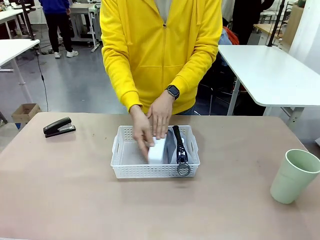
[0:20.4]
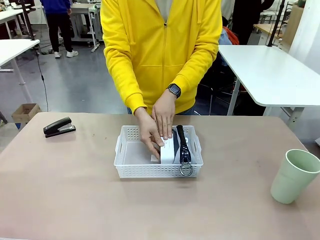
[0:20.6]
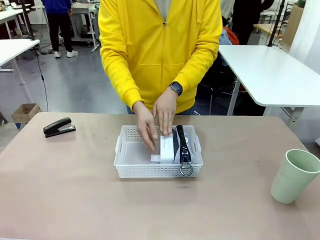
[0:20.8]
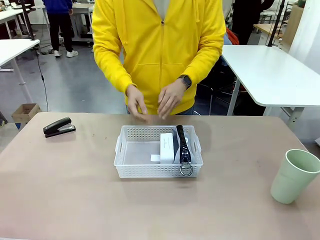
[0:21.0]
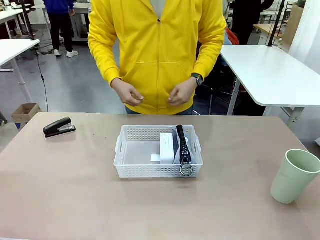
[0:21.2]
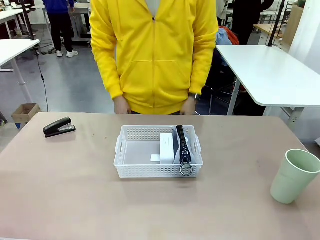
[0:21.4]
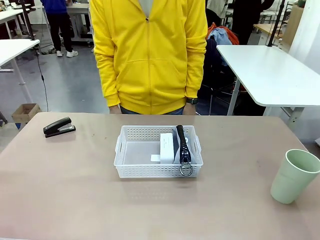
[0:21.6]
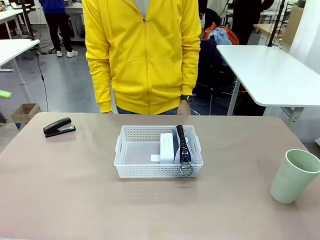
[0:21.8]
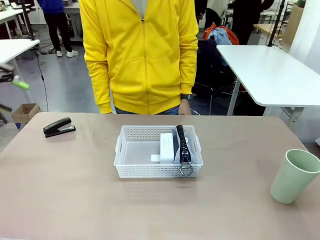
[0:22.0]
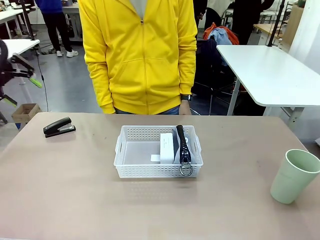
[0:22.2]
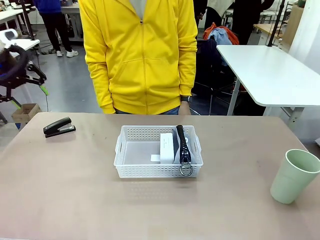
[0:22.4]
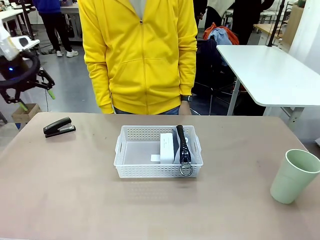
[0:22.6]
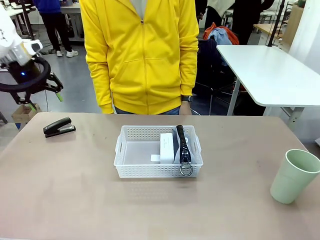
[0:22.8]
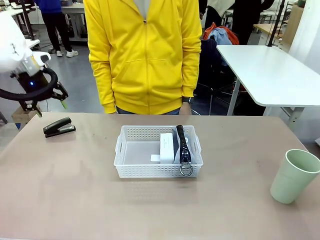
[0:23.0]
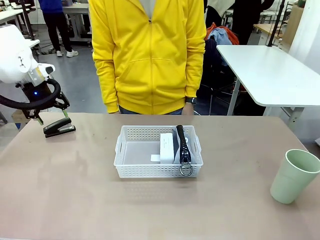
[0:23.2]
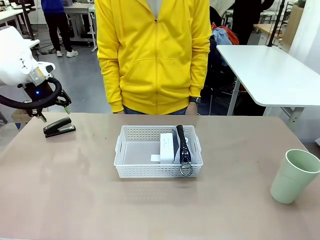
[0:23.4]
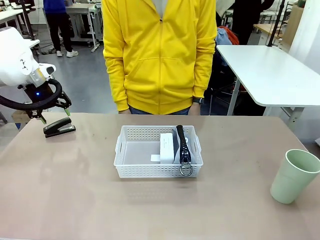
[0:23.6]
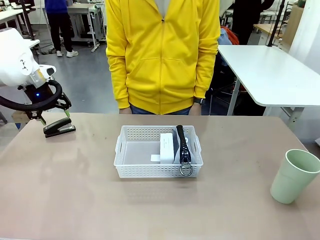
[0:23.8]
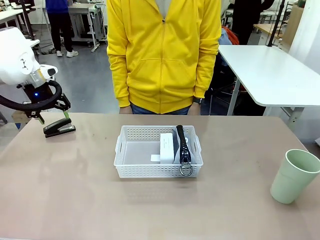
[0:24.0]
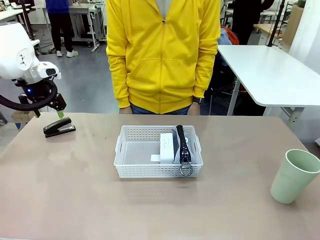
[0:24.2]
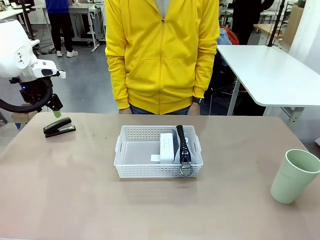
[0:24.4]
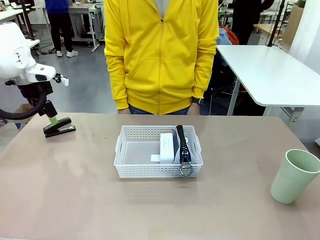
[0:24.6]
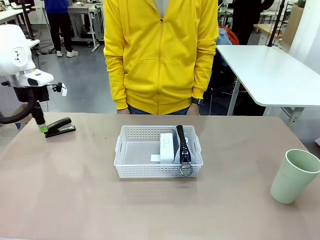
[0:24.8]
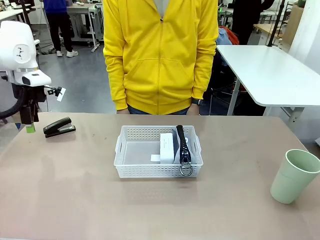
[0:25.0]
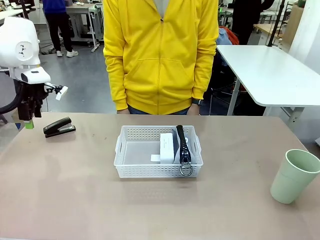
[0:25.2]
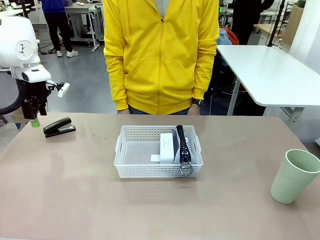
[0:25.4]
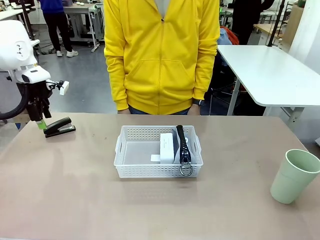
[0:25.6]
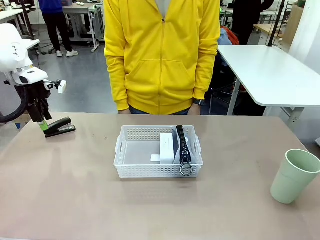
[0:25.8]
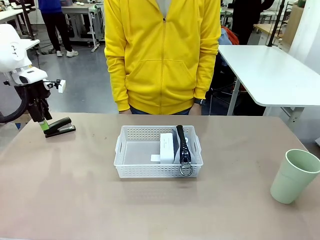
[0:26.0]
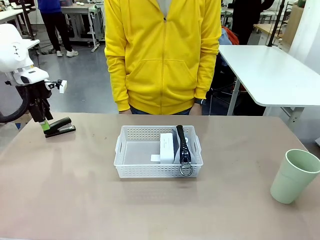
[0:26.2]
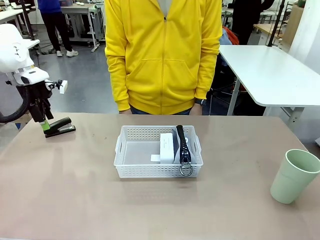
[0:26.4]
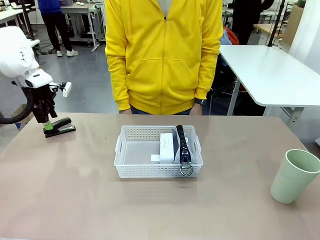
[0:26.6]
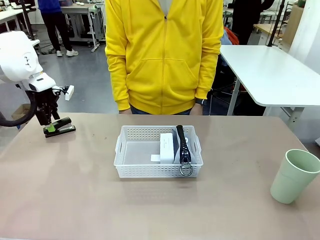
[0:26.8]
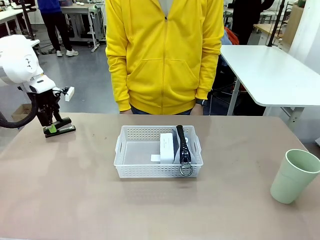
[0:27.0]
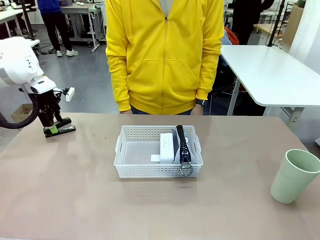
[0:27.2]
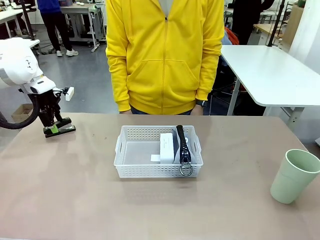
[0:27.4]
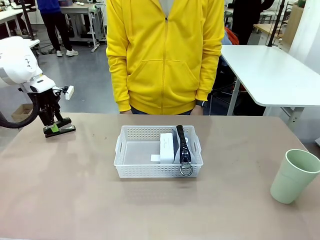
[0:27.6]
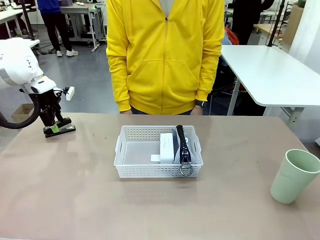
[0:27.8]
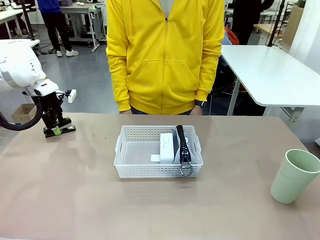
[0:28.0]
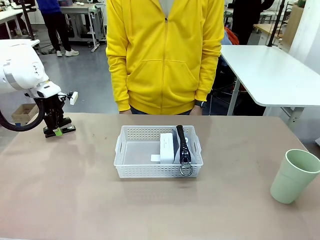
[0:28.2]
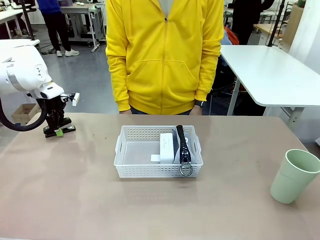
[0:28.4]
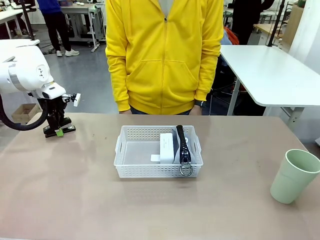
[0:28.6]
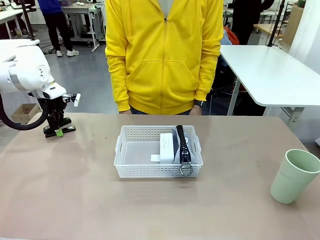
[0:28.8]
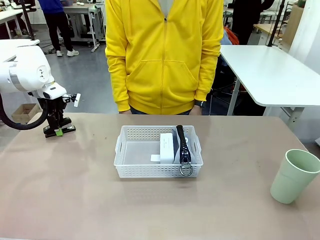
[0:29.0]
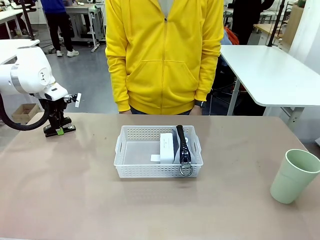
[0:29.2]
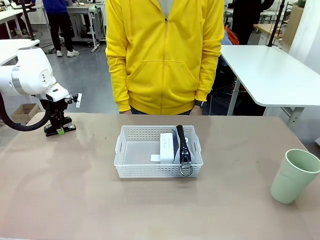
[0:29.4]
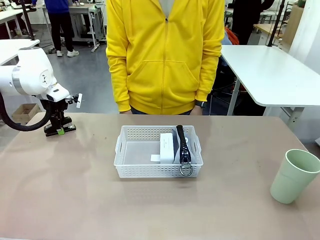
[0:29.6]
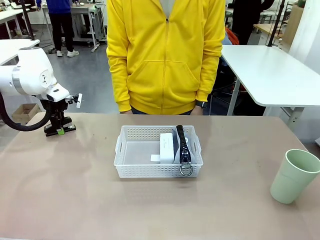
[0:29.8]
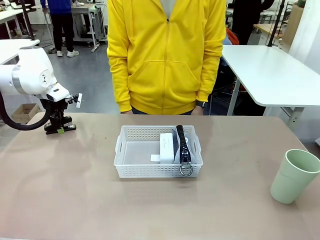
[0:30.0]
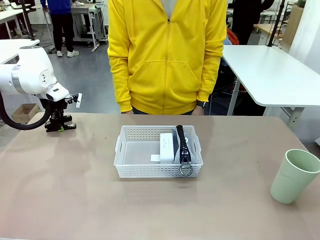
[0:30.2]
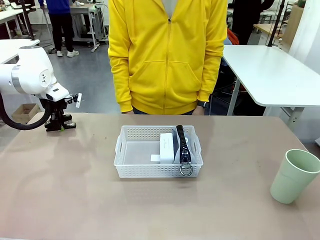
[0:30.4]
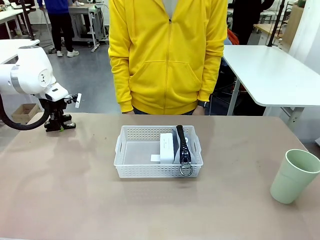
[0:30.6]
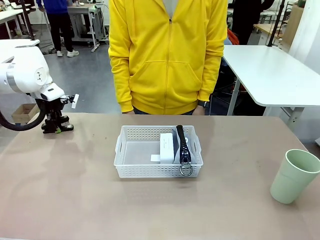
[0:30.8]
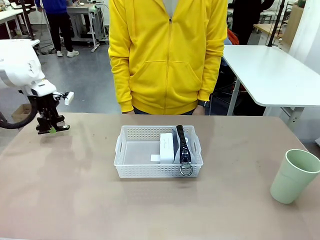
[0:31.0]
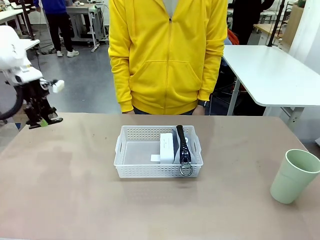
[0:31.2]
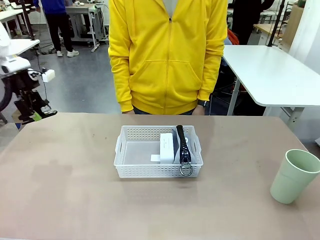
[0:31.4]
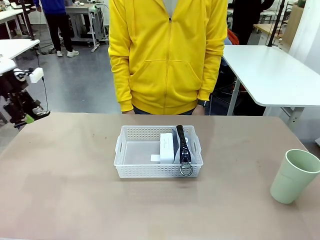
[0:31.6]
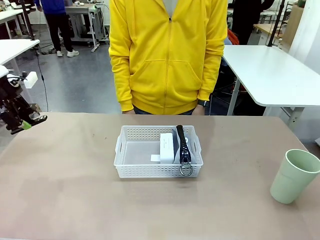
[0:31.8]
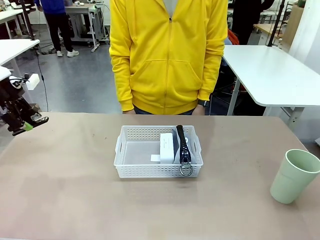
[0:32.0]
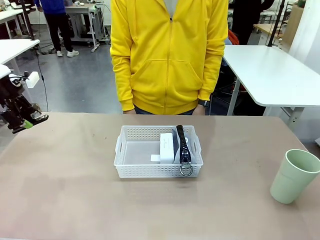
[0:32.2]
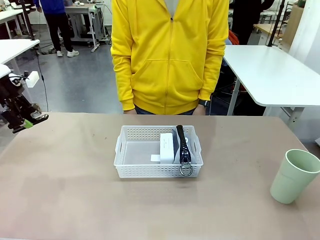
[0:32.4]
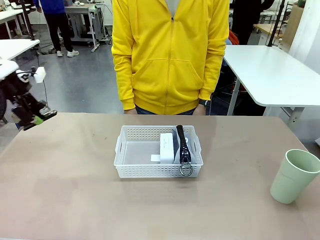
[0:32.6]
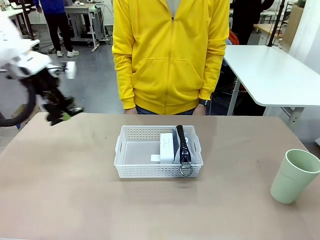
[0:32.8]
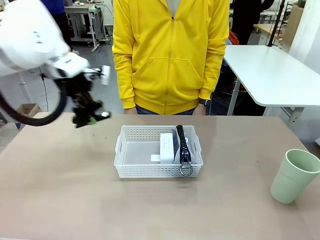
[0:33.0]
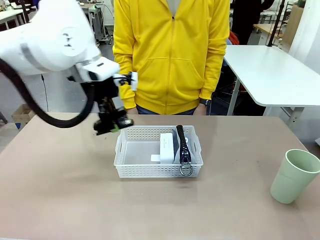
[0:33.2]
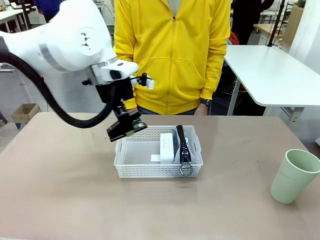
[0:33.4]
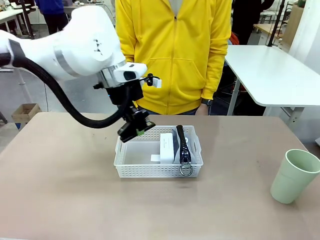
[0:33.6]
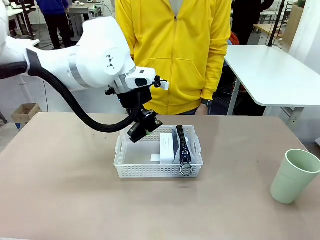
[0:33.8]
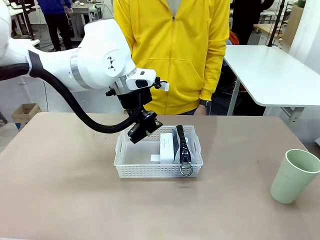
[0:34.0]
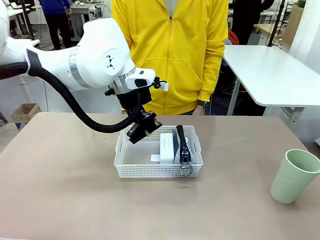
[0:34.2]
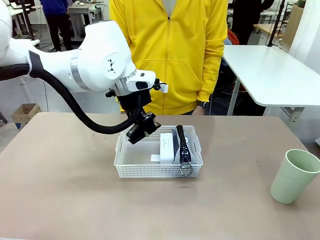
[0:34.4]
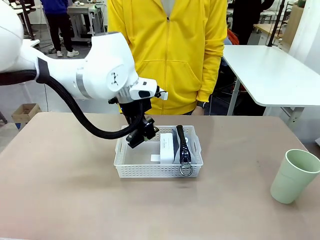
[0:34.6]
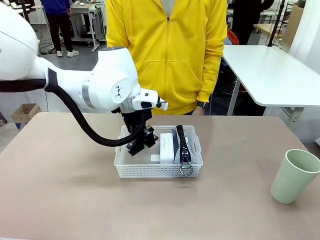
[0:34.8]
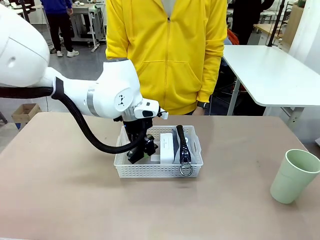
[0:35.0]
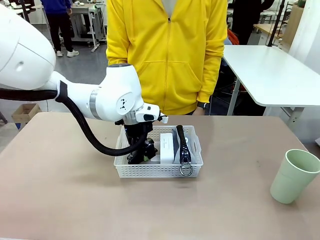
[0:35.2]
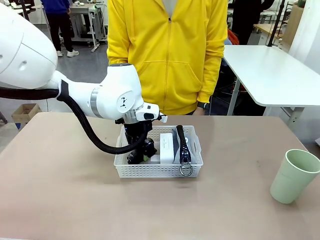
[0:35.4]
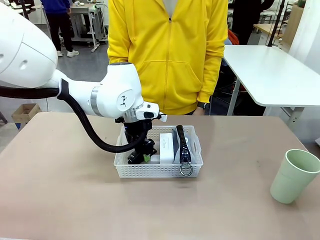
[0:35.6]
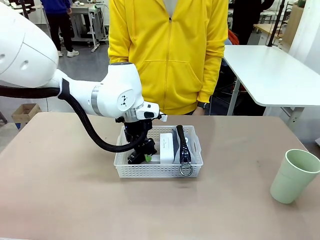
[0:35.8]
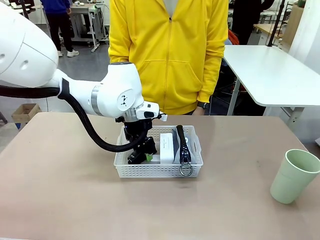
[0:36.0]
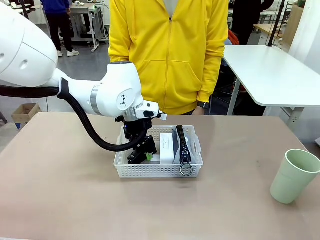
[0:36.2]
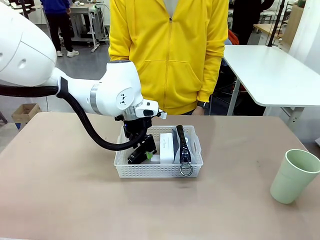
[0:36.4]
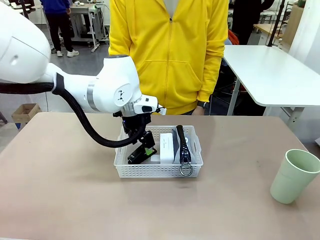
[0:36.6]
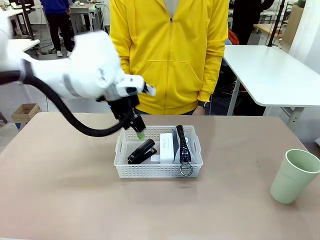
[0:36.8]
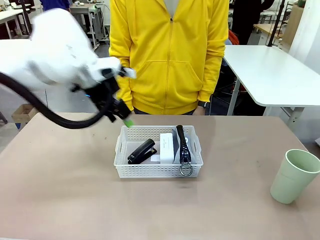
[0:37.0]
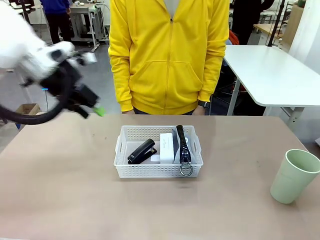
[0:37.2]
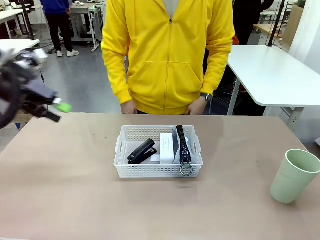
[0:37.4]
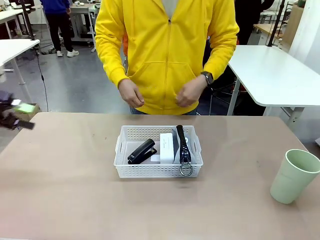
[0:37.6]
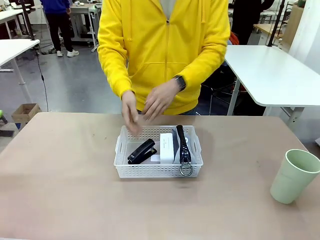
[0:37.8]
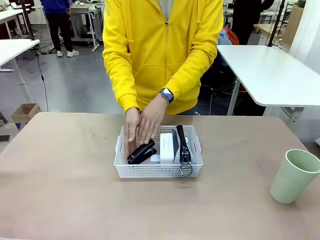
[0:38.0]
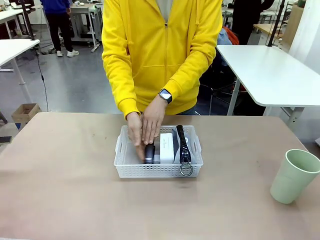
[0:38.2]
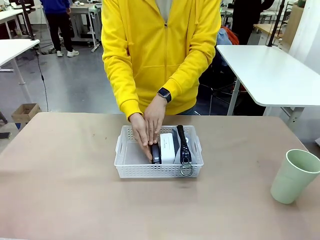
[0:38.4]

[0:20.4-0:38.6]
Task: Efficiently arrange items inside the basket to fit them all.
Robot: Pick up the Stapler and place it inside the Organizing basket.
